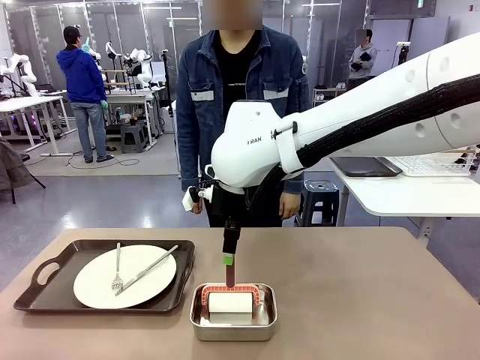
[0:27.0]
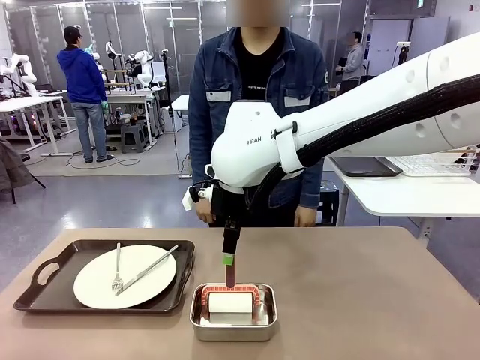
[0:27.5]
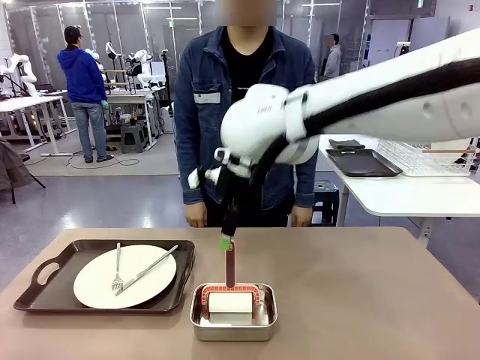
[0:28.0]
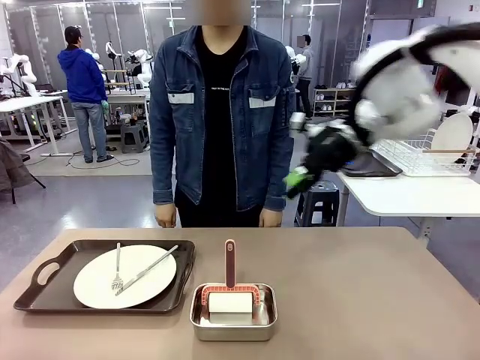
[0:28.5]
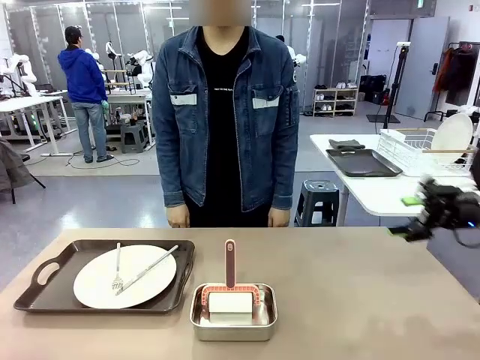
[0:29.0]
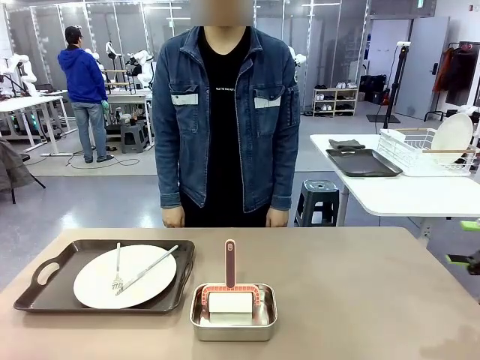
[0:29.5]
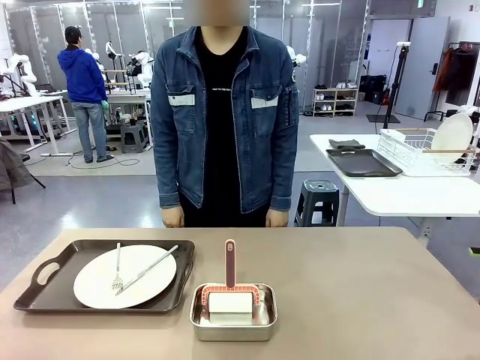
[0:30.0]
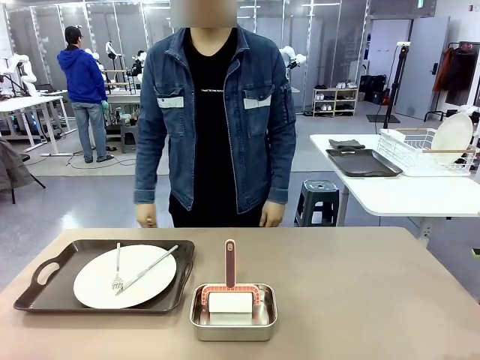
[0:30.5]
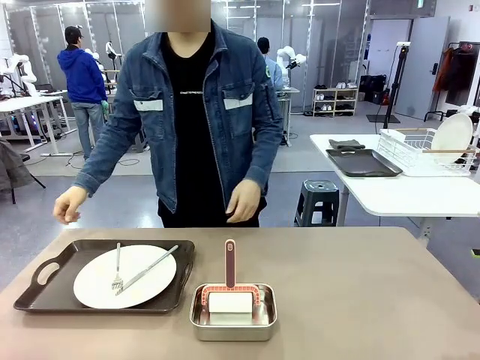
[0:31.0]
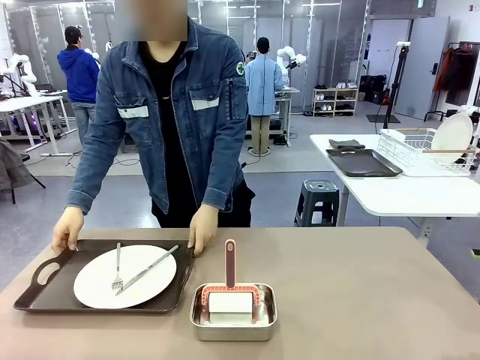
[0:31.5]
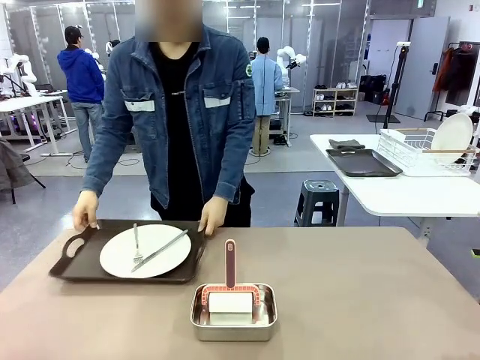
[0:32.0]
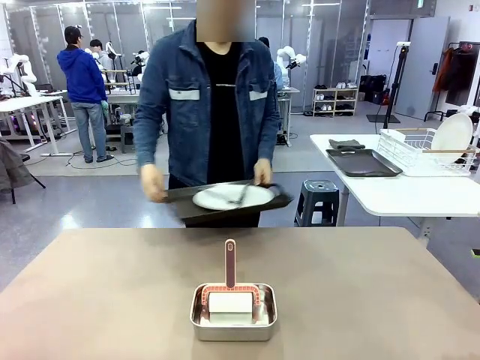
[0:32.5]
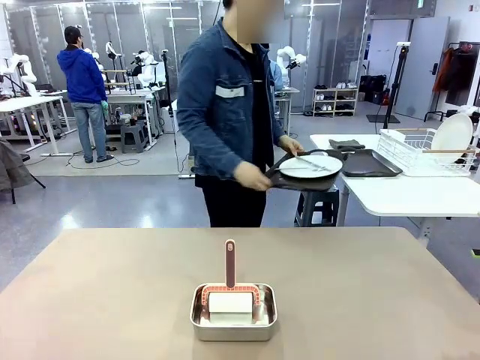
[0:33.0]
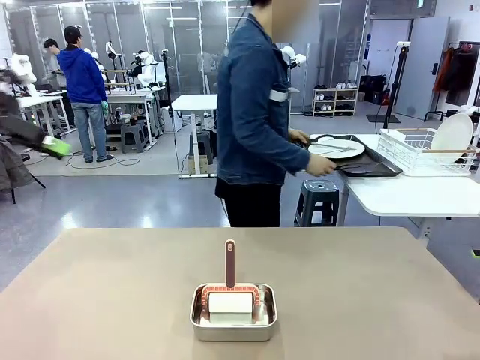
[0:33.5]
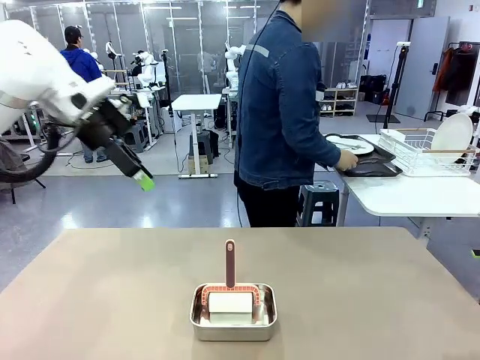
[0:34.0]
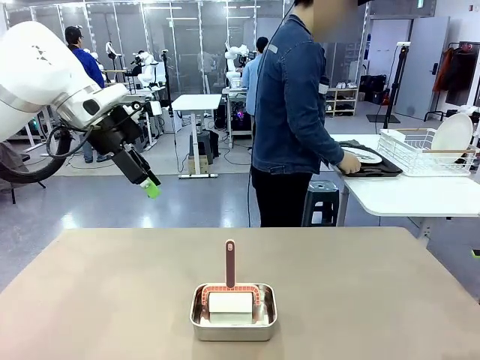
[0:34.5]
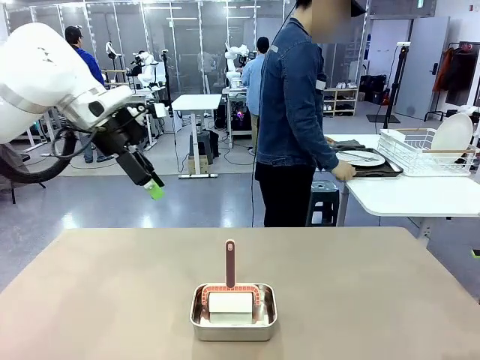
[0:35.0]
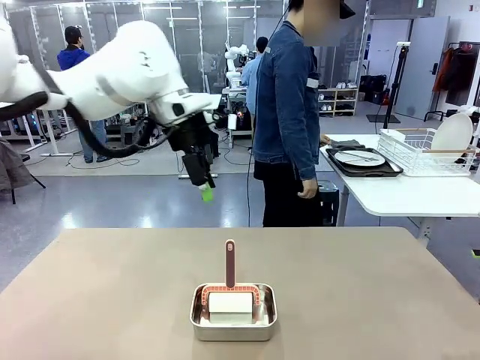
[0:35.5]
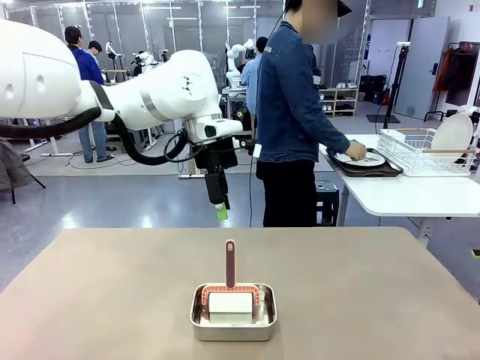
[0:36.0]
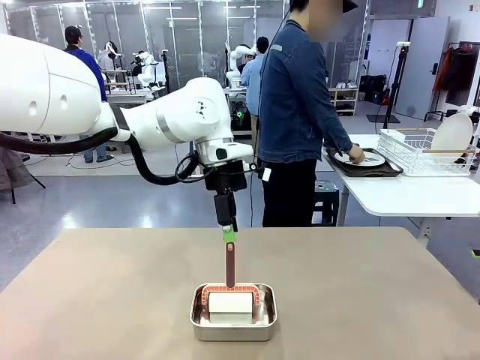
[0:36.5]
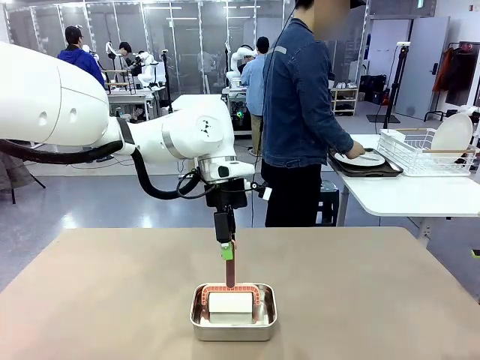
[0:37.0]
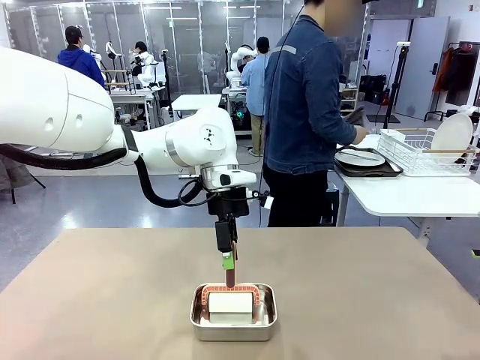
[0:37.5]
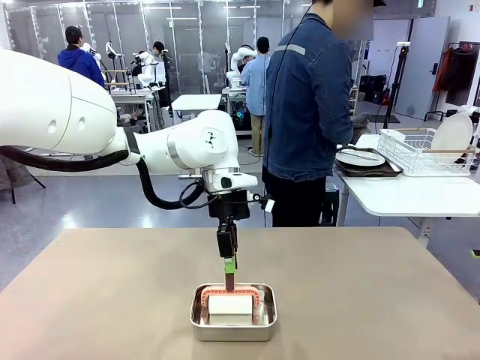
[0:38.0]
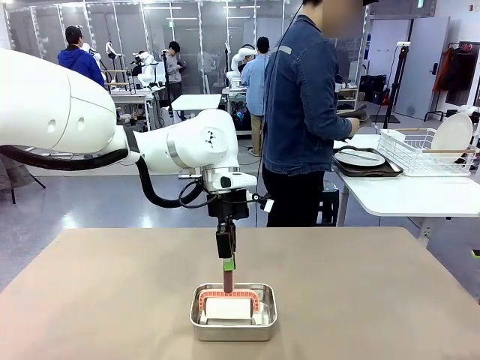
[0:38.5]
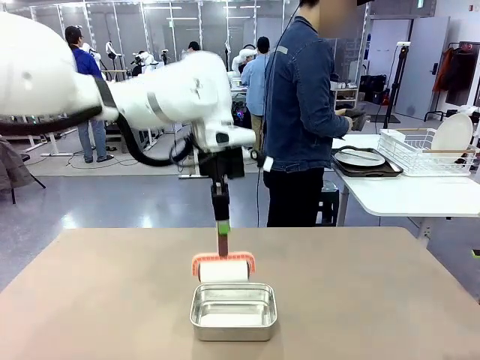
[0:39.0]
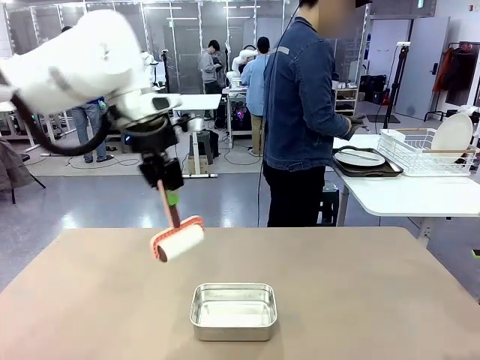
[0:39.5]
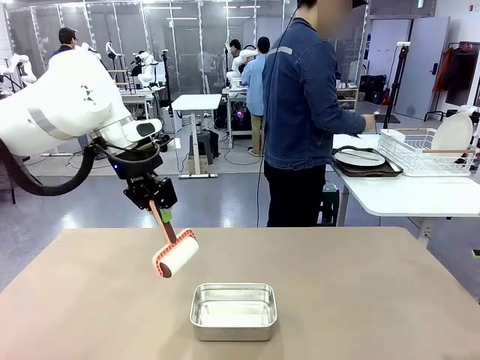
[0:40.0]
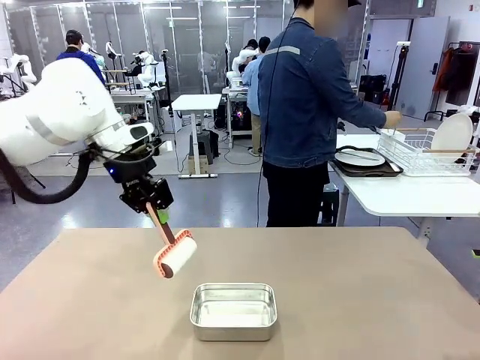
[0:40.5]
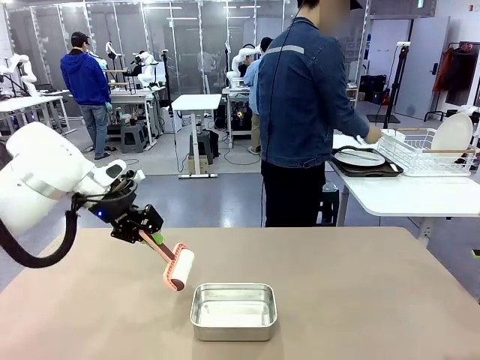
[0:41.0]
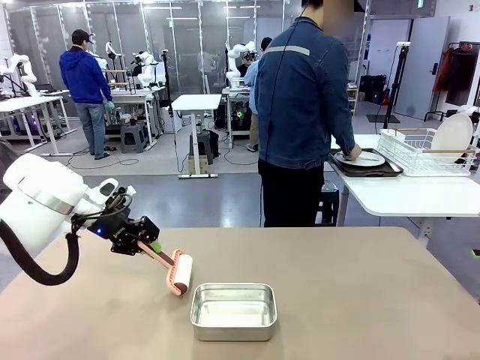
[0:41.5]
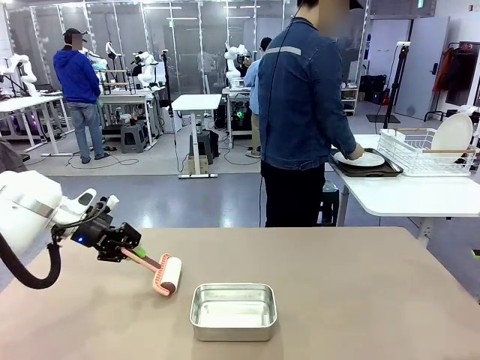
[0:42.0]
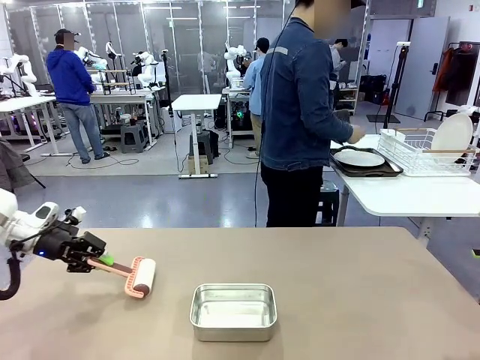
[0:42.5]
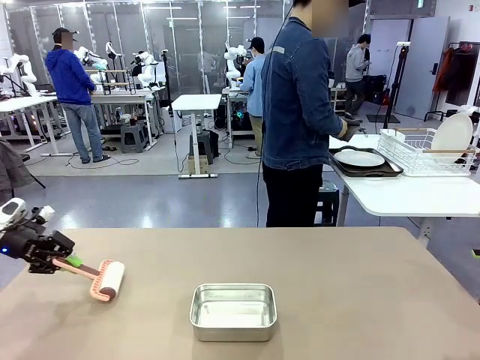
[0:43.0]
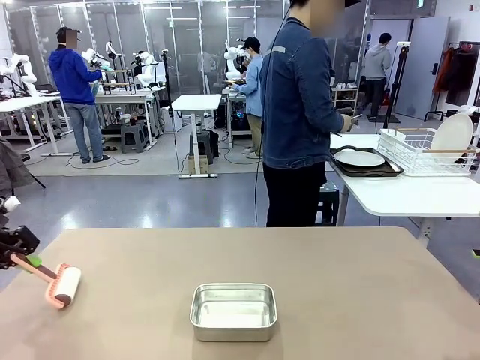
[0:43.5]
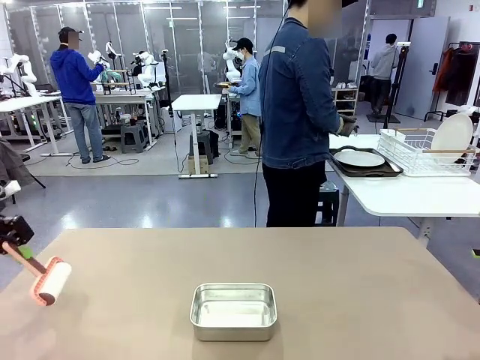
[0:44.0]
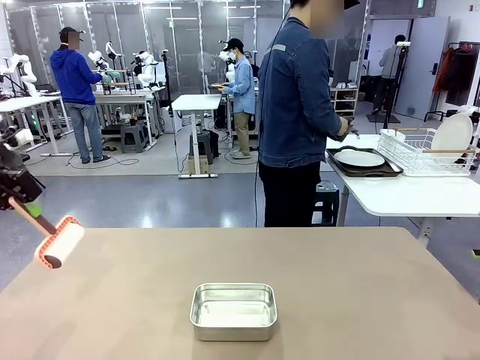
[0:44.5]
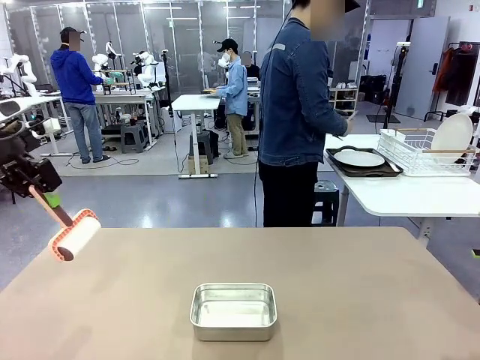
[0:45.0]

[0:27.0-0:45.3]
Robot: When the right (or left) Handle tray is removed, use the right hand (or left hand) to clean the right (or left) side of the table with the Lint Roller.
Person: Pick up the left (or right) Handle tray and place it on the Handle tray.

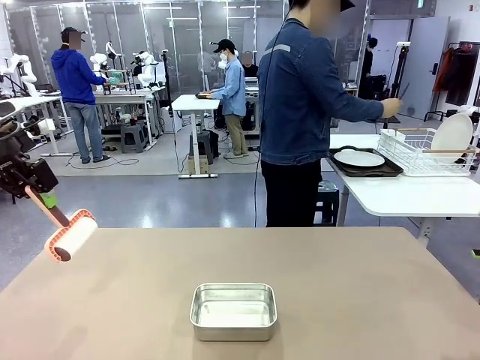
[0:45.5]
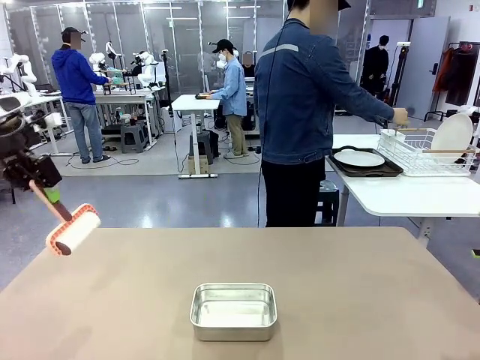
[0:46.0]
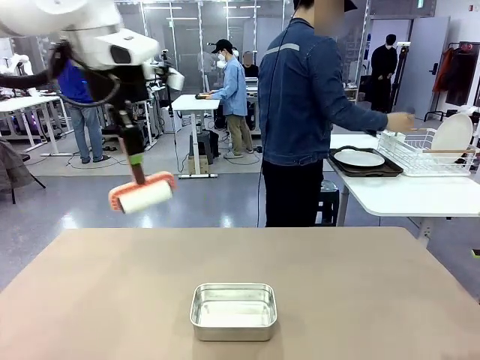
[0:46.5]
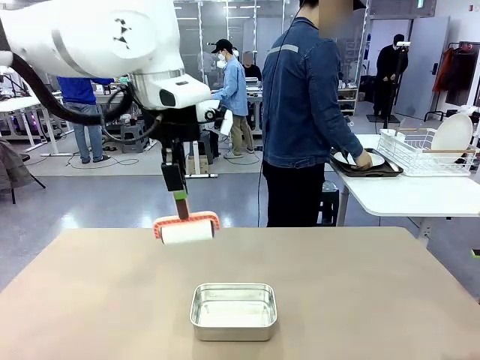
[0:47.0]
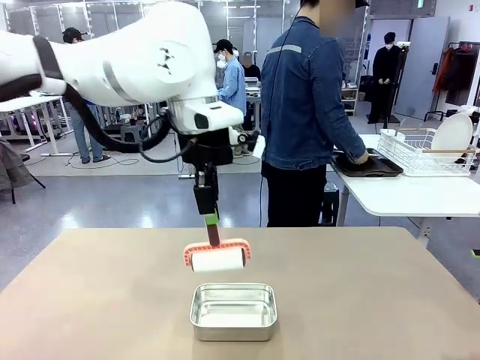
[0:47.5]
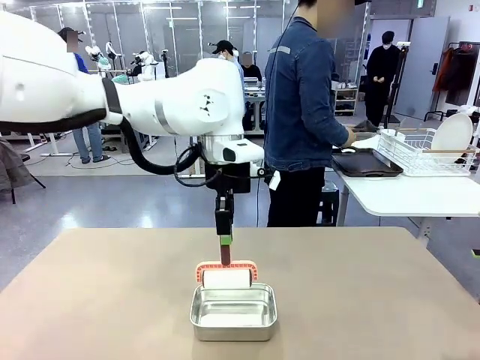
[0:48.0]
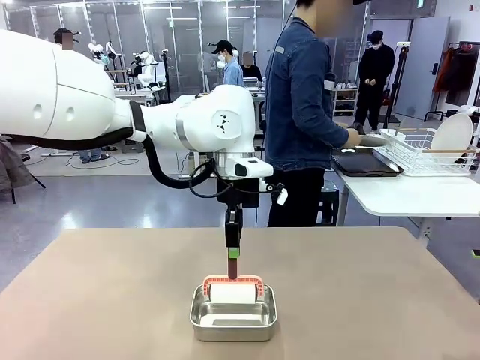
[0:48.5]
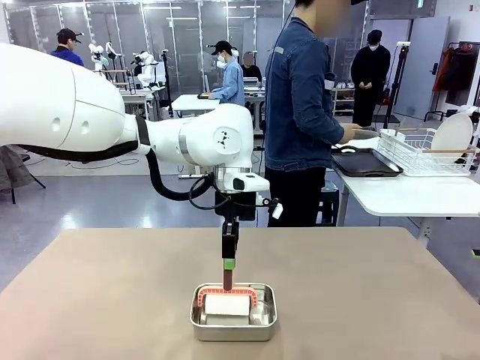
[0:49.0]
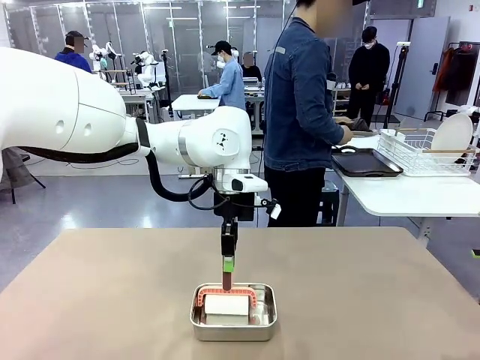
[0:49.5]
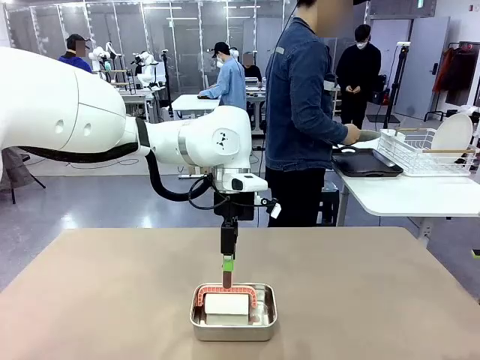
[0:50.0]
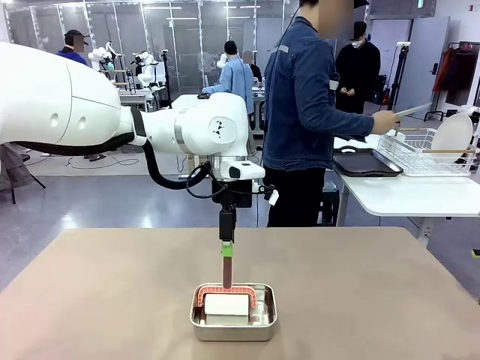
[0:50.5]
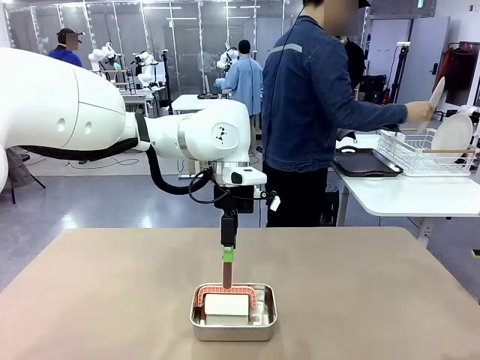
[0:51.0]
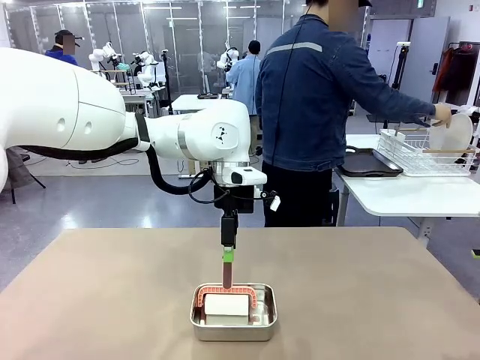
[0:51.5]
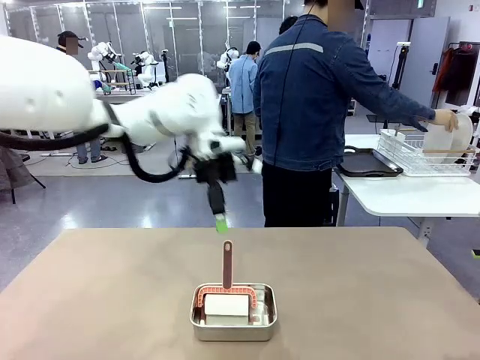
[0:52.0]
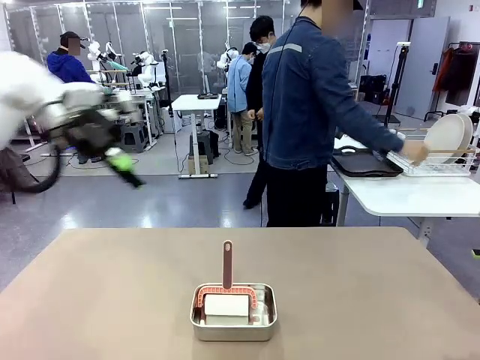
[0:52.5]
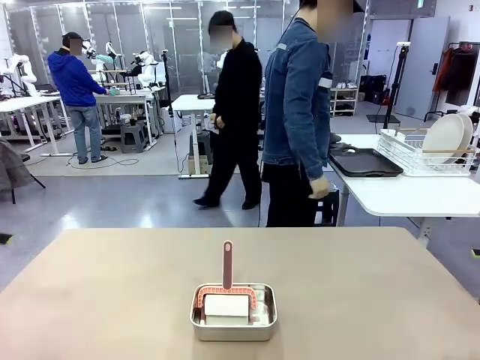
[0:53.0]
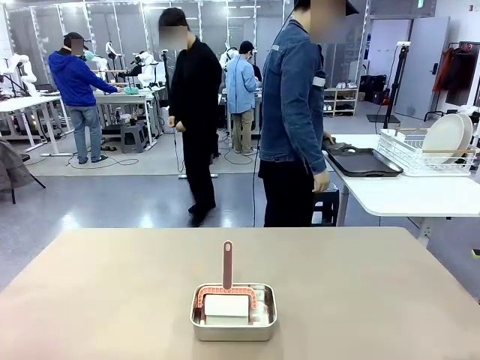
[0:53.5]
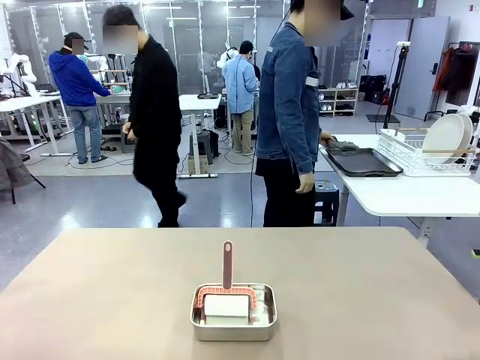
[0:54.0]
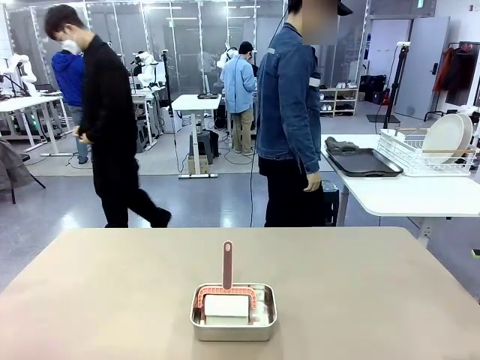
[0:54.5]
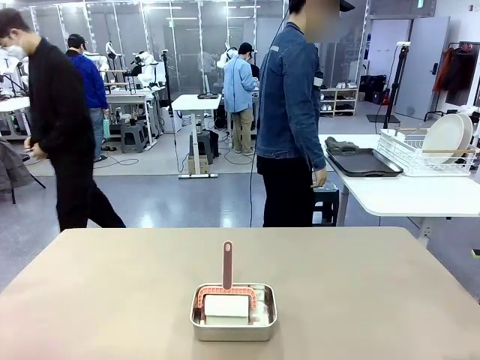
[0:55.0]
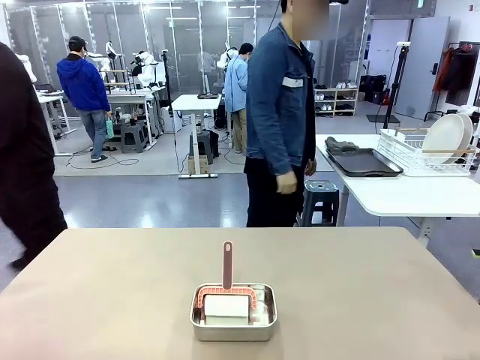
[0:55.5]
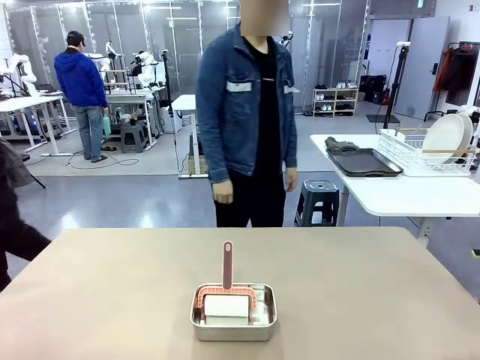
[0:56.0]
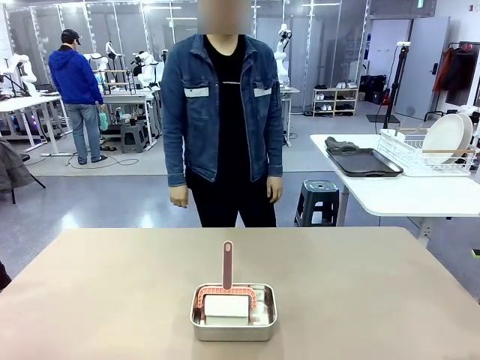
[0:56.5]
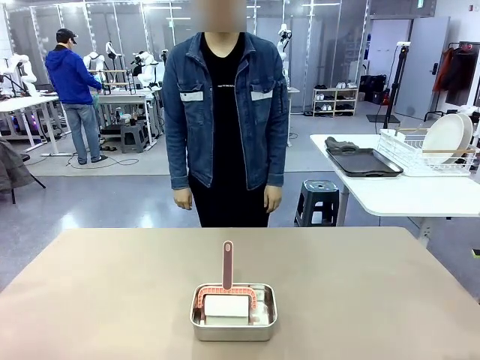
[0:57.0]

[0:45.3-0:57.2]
Robot: Place the Lint Roller back on top of the Airtight Container.
Person: Use the Towel with hook to wipe the Plastic Matte Plate , Fork , and Knife and place into the Dish drying rack.
